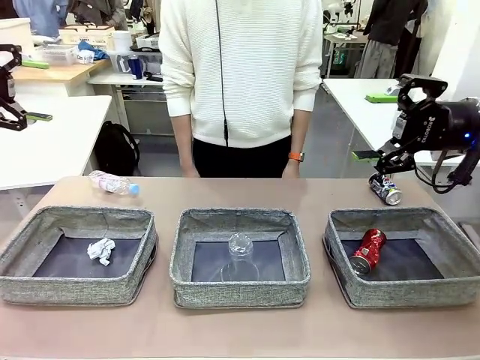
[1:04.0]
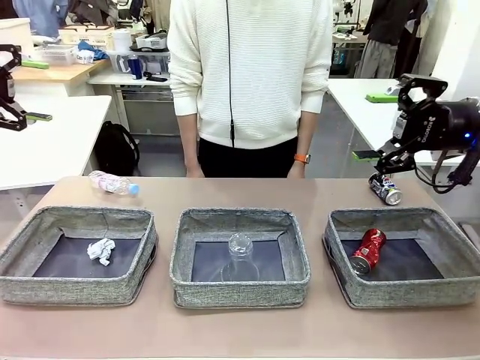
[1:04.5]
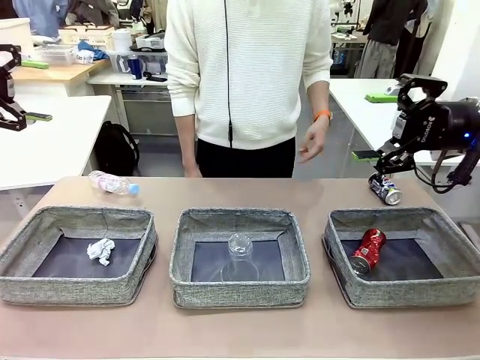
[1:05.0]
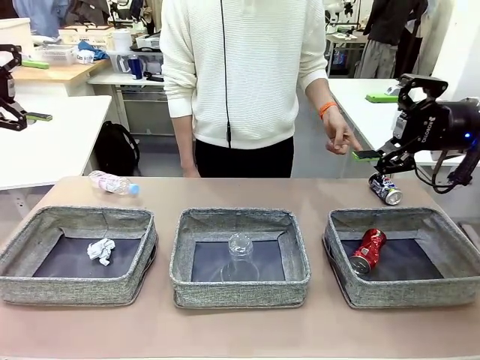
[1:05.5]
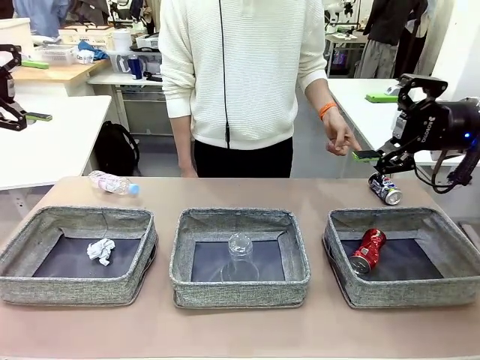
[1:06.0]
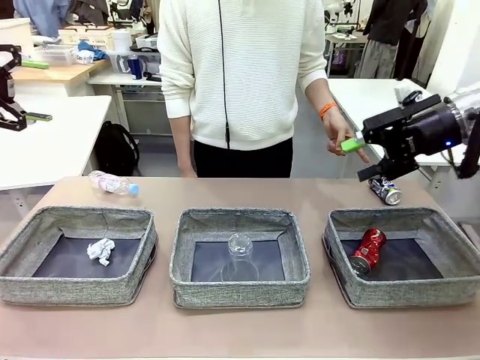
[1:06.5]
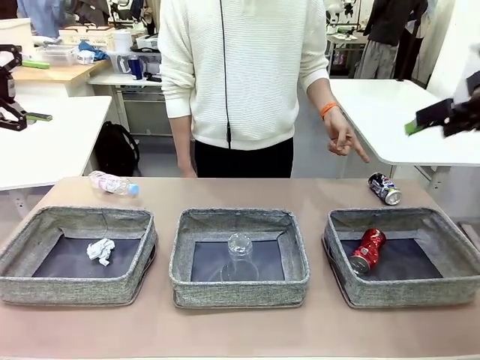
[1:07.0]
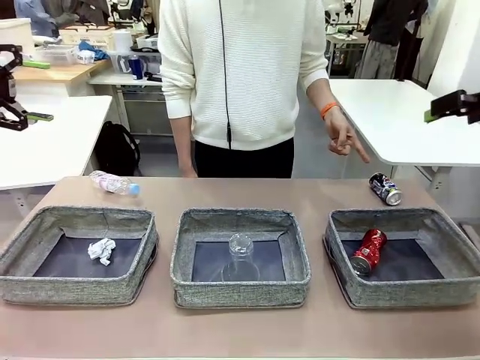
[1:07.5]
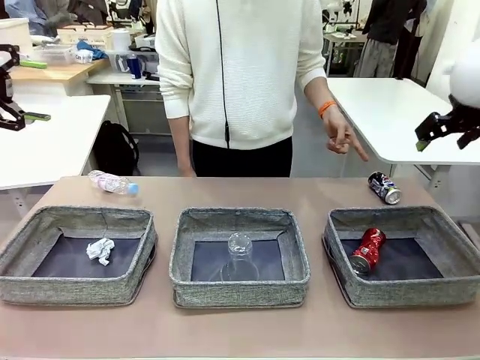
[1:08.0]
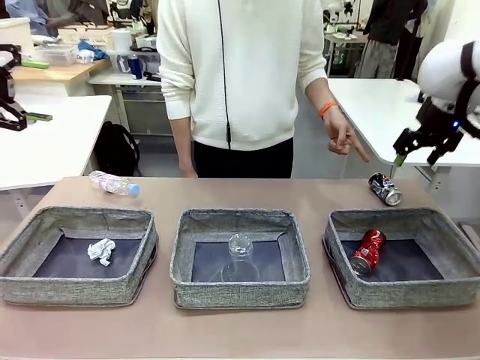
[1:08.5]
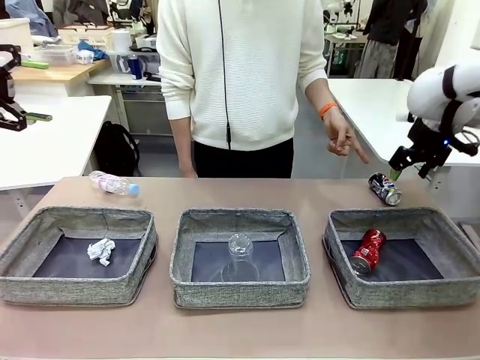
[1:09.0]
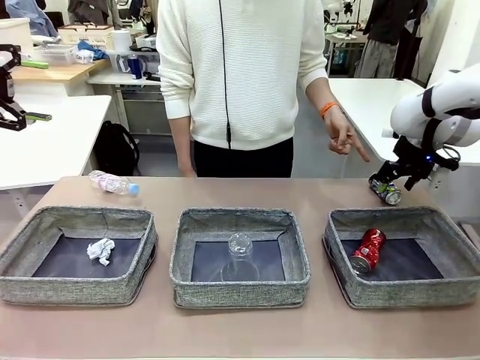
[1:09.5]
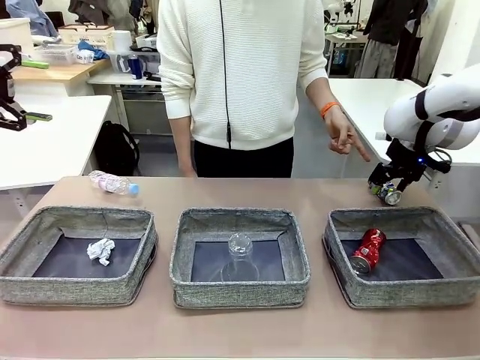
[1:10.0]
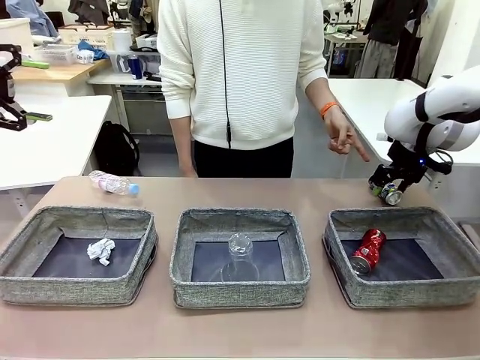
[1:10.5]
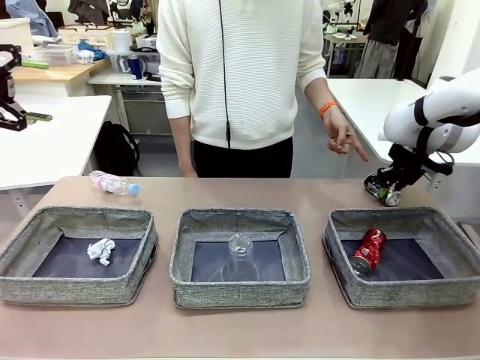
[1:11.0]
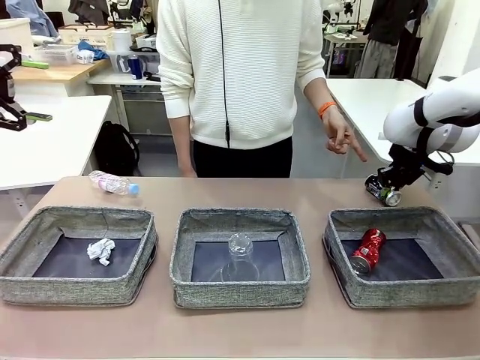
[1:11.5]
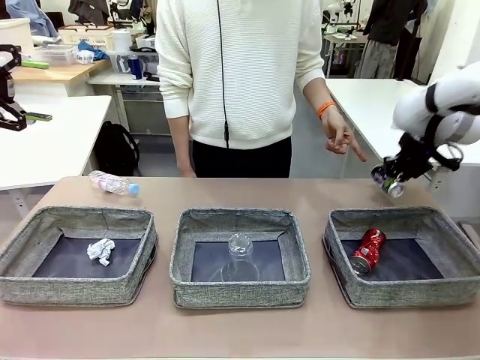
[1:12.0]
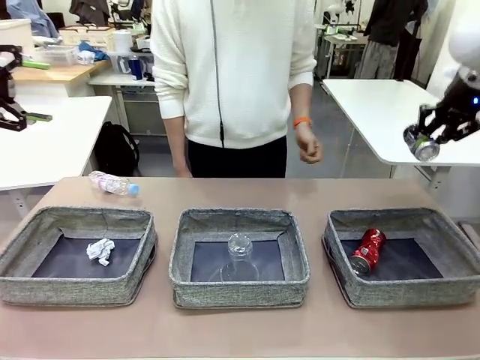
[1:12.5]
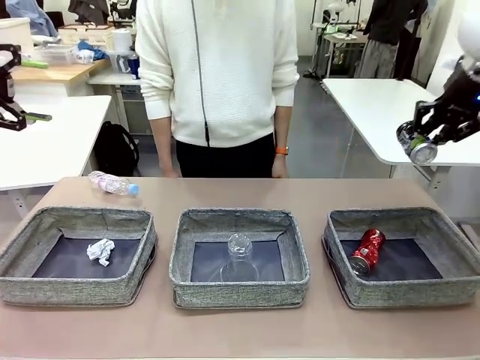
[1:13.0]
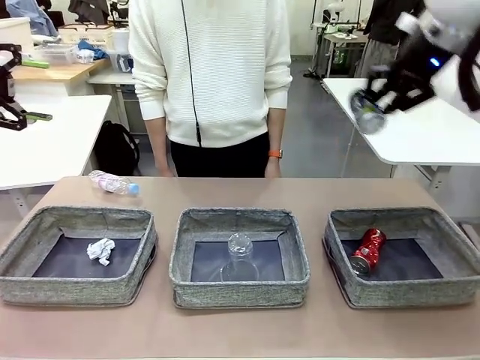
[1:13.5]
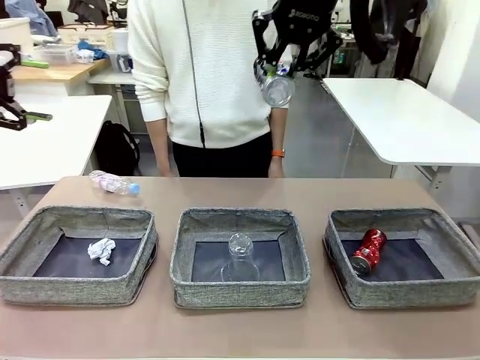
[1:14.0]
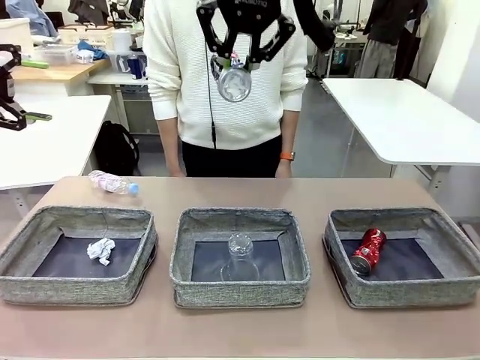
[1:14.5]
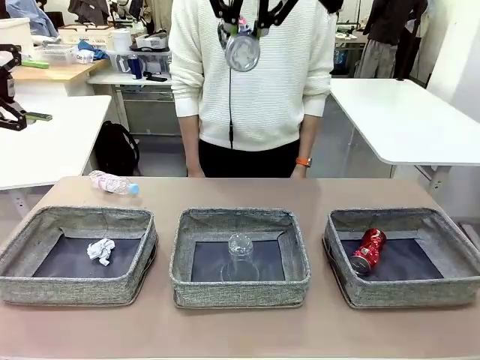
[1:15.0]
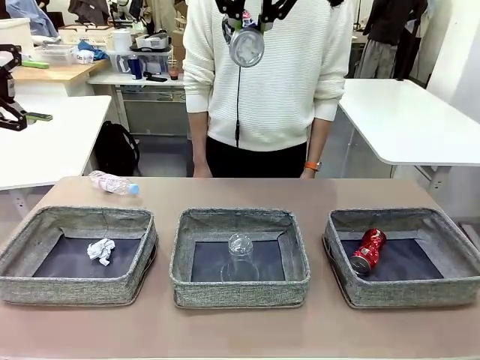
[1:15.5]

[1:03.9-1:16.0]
Task: Sort the waste into the appropriate baskets.
Robot: Pick up the waste item pointed out by the person.
Person: Points to one piece of trash on the table.

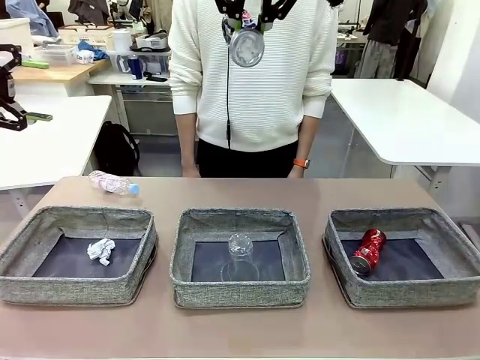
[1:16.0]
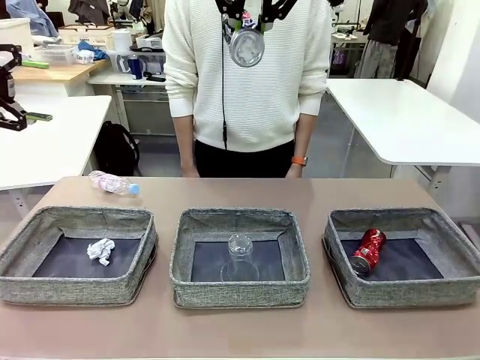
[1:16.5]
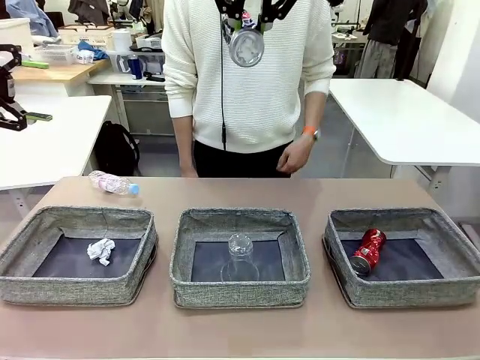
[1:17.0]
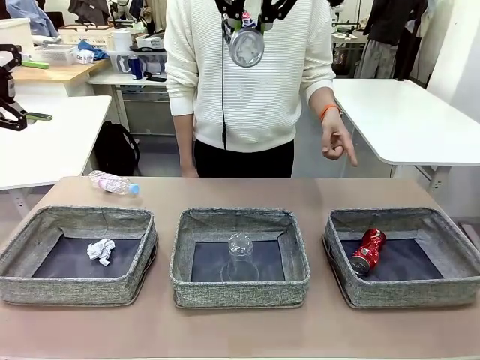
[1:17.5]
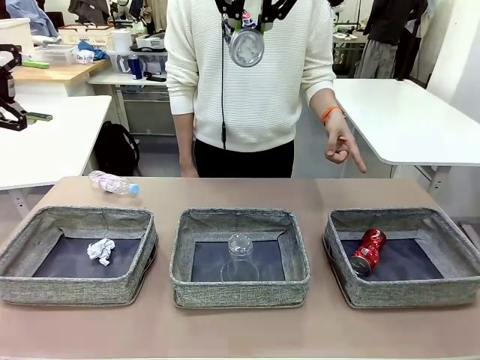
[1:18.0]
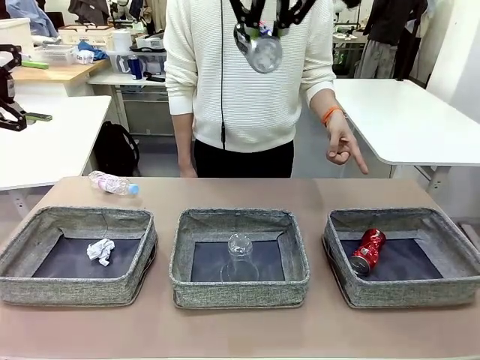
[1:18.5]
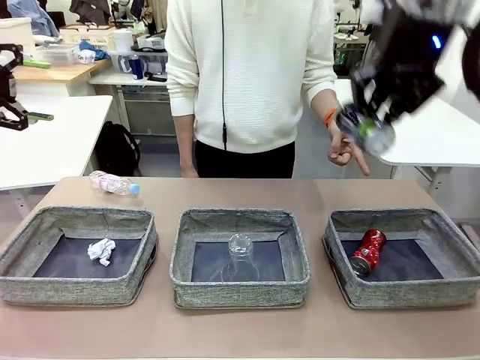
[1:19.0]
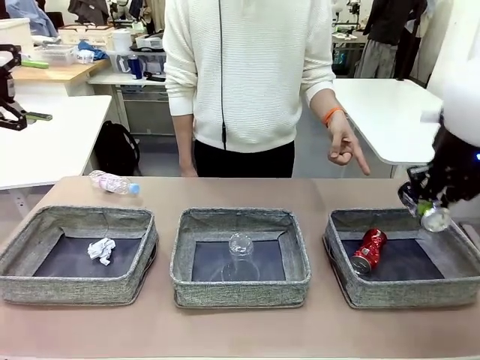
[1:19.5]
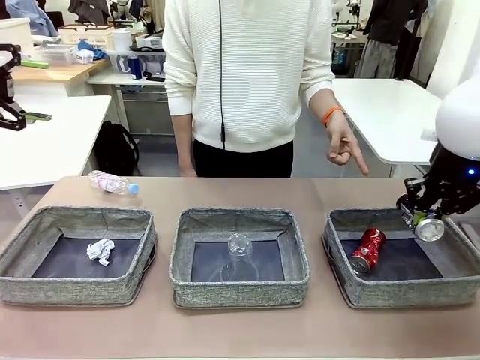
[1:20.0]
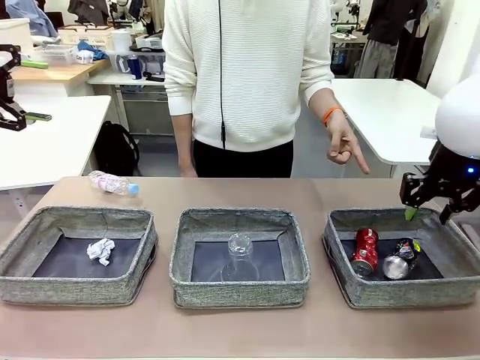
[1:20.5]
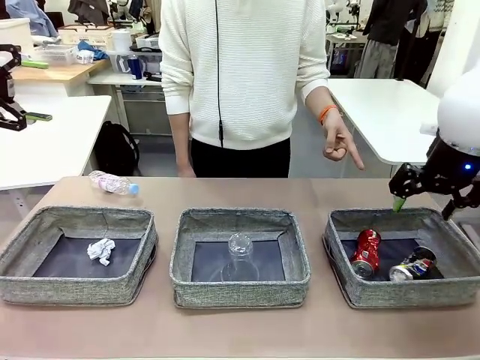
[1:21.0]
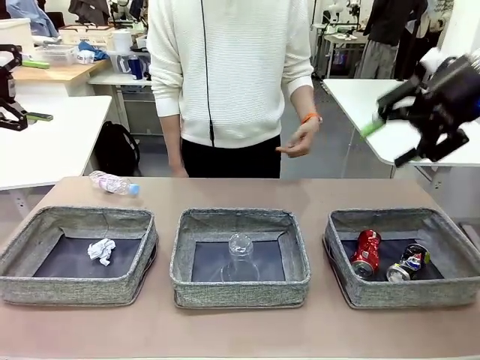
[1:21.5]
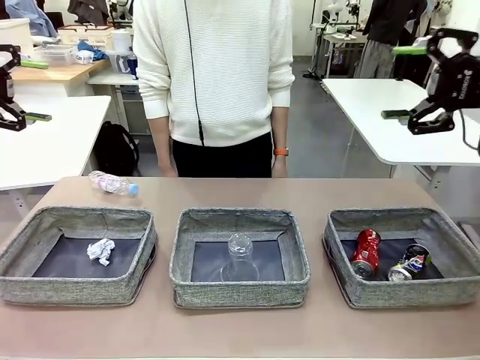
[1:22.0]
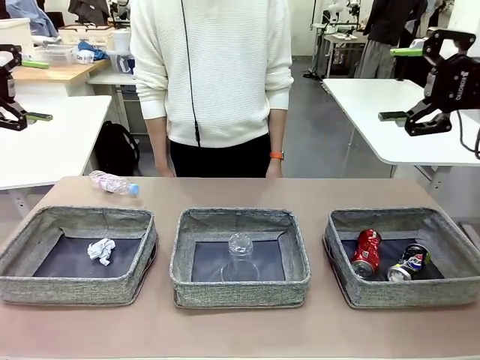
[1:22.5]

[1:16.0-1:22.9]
Robot: Place the picked waste into the Fabric basket indicated by the person.
Person: Instructs the robot to place the picked-up trash into the appropriate organizing basket.

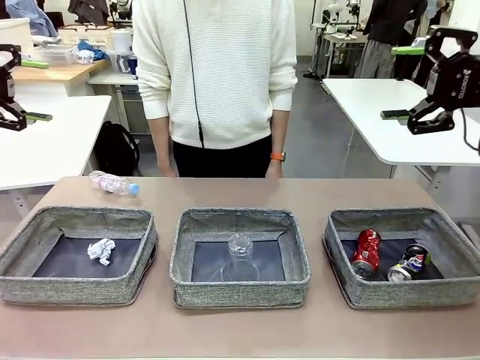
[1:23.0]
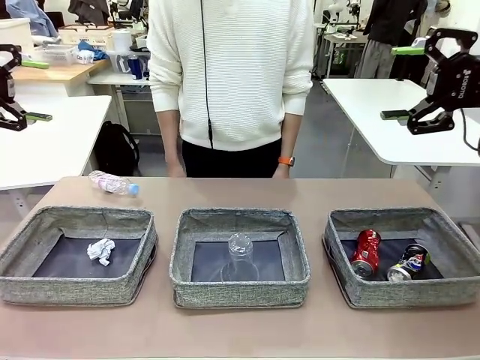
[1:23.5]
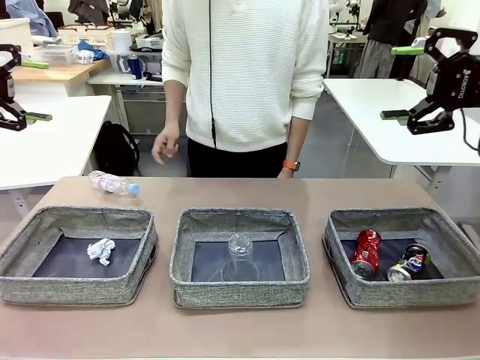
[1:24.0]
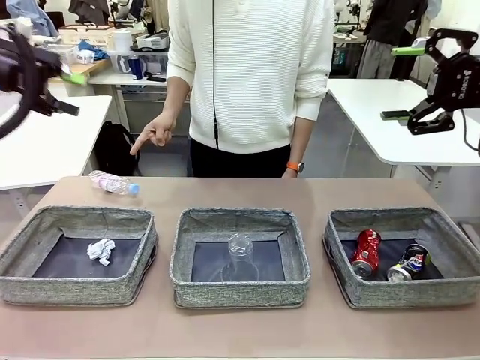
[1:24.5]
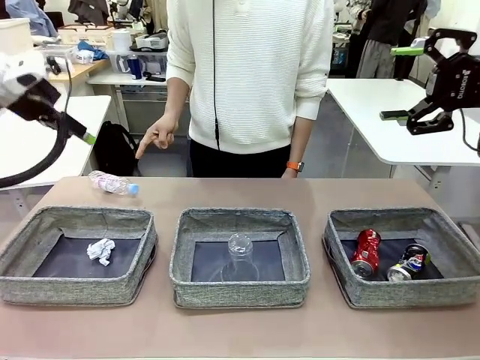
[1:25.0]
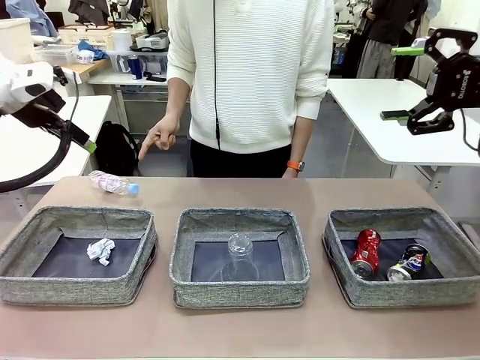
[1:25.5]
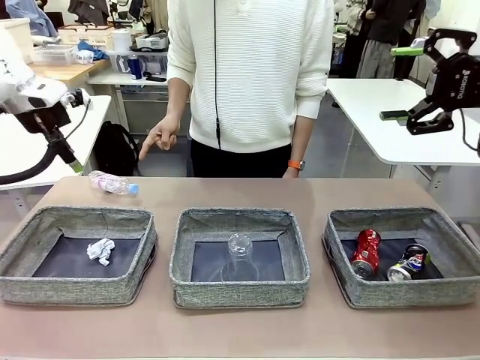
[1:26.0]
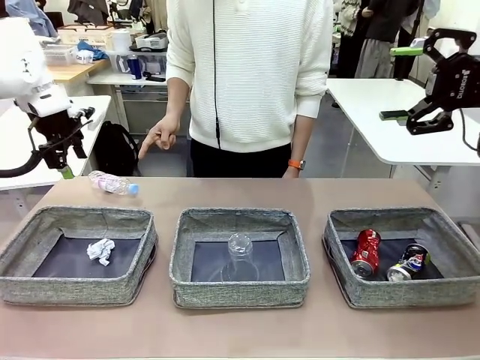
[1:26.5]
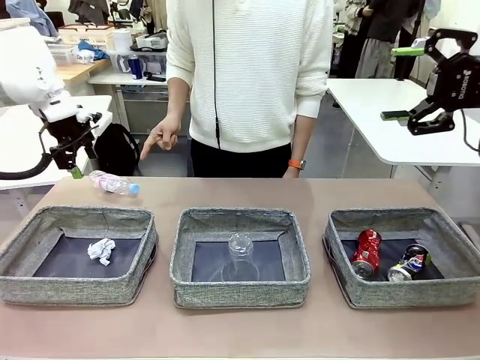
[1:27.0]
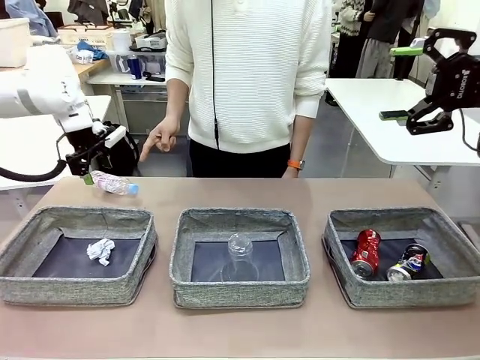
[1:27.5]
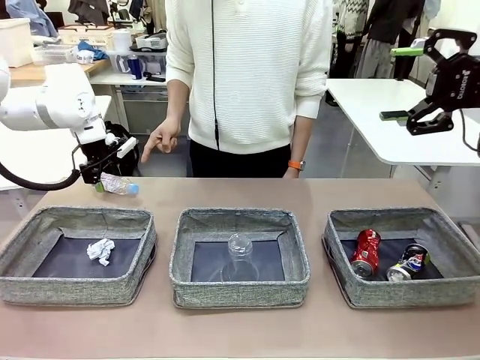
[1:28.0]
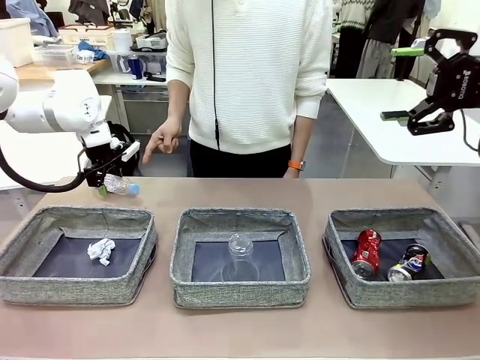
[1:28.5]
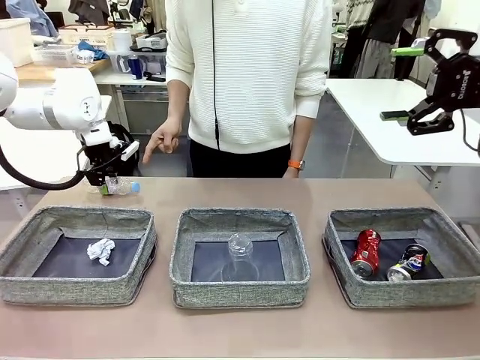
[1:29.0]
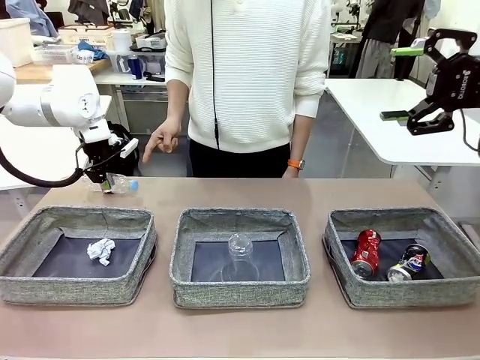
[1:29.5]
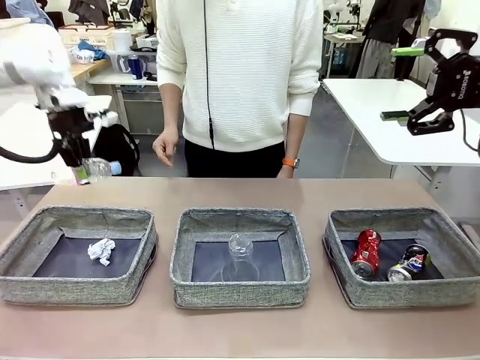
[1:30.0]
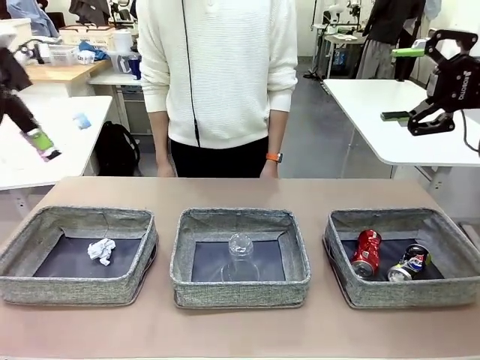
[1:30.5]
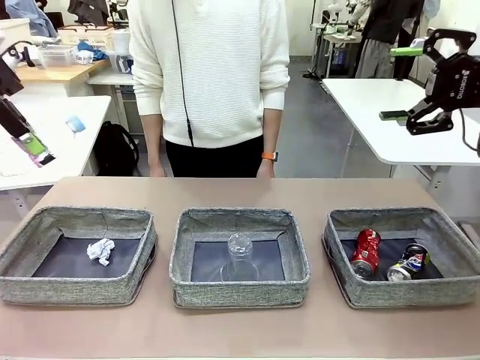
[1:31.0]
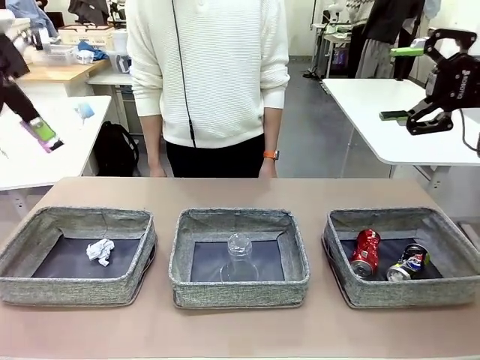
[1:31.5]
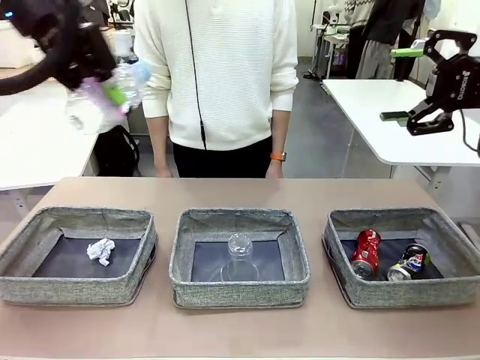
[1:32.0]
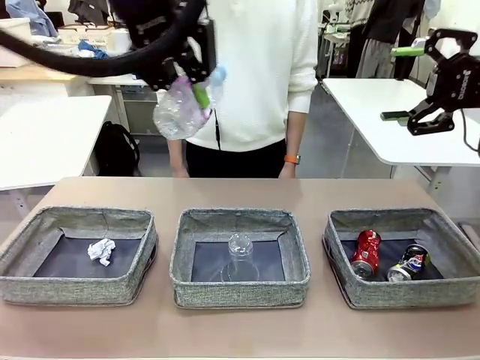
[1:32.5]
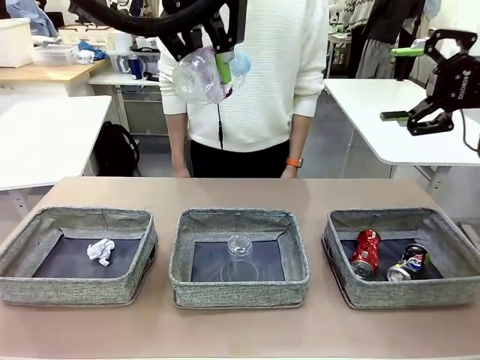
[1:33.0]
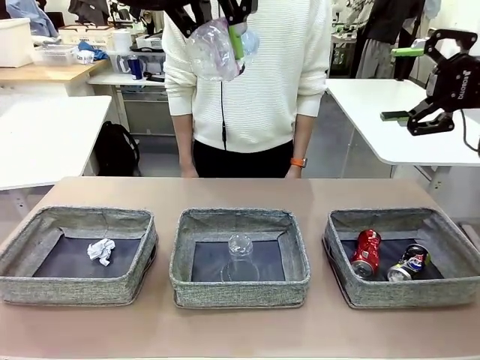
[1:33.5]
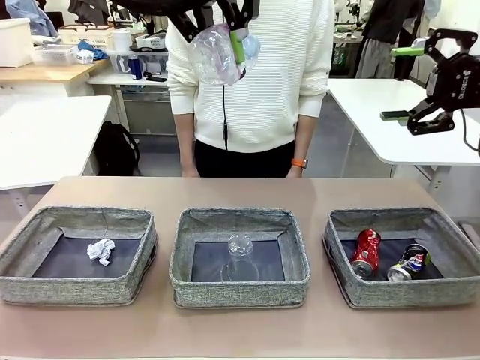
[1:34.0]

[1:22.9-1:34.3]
Robot: Pick up the waste item pointed out by the person.
Person: Points to one piece of trash on the table.
